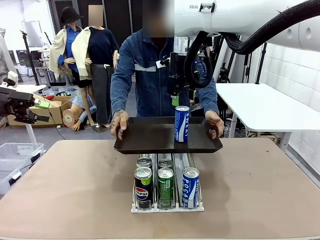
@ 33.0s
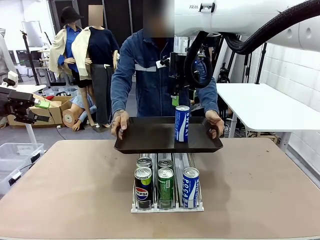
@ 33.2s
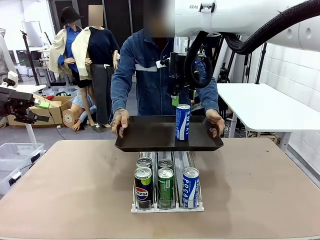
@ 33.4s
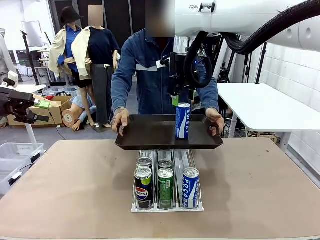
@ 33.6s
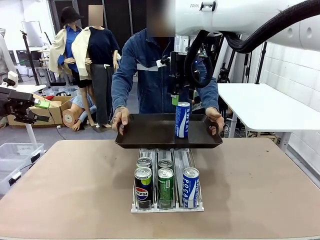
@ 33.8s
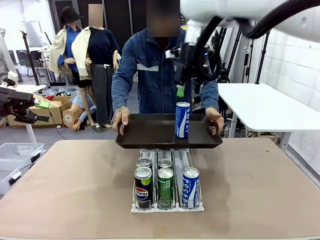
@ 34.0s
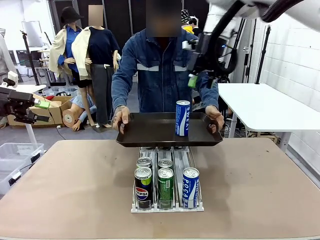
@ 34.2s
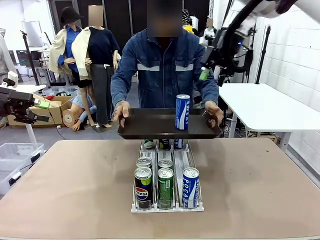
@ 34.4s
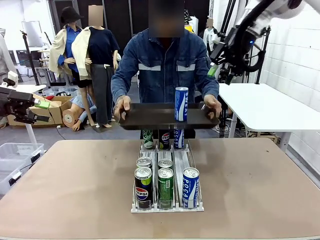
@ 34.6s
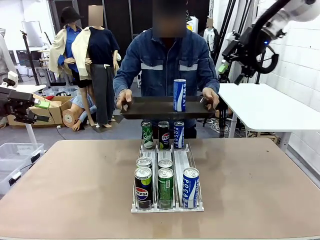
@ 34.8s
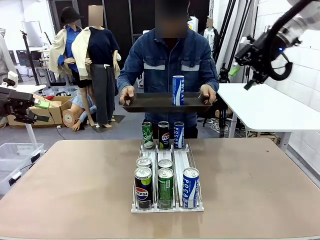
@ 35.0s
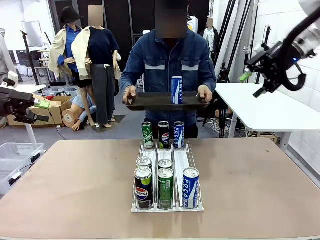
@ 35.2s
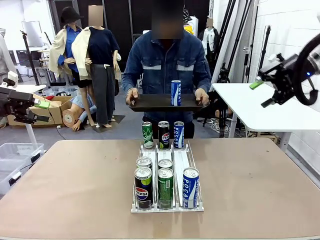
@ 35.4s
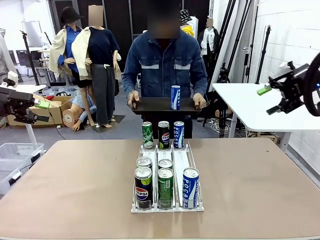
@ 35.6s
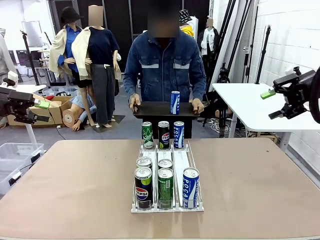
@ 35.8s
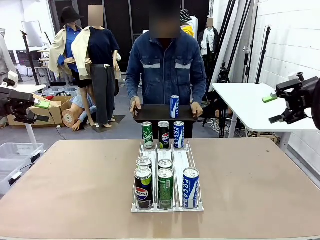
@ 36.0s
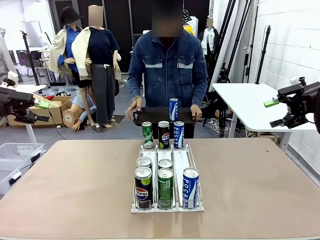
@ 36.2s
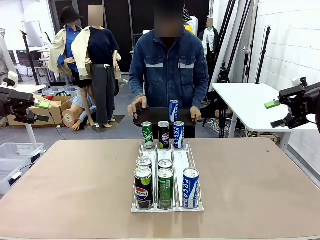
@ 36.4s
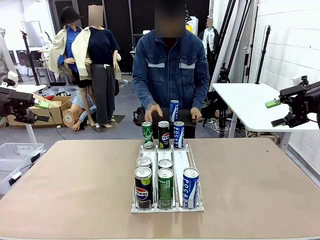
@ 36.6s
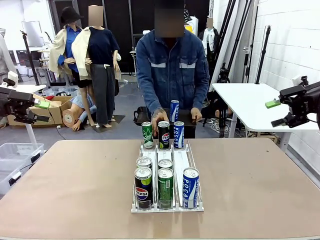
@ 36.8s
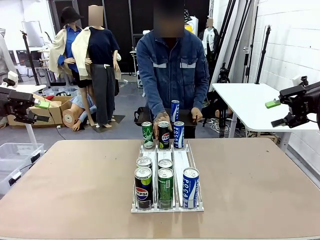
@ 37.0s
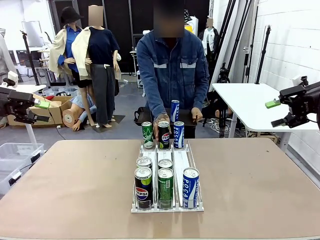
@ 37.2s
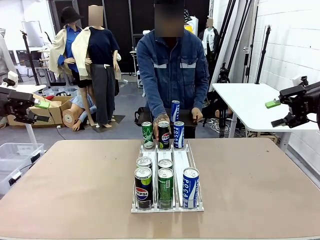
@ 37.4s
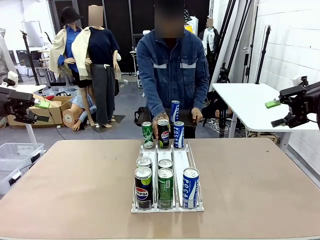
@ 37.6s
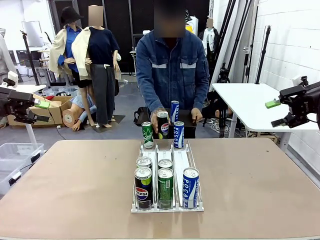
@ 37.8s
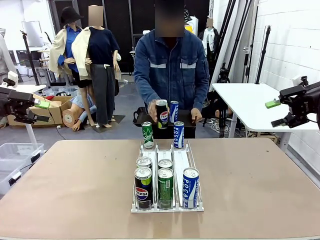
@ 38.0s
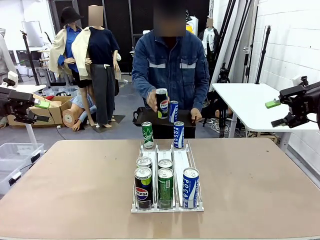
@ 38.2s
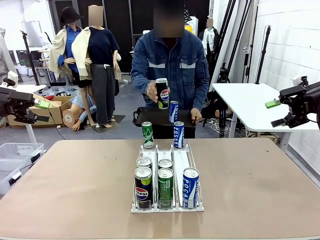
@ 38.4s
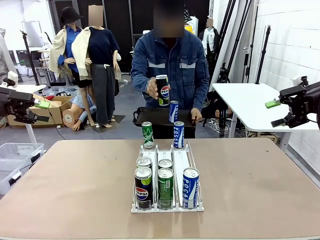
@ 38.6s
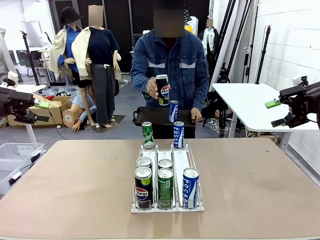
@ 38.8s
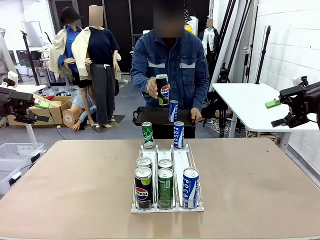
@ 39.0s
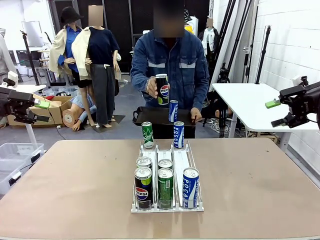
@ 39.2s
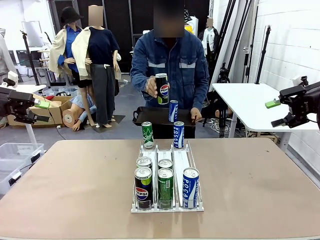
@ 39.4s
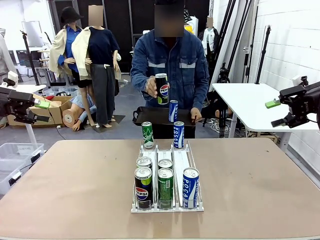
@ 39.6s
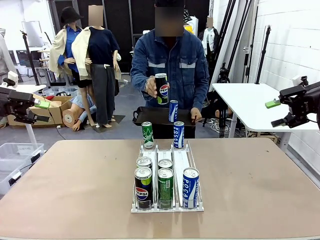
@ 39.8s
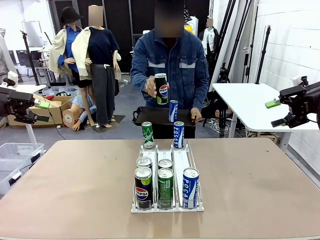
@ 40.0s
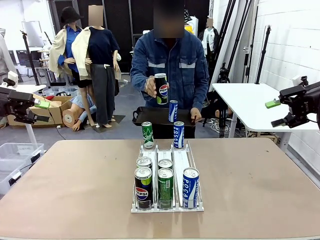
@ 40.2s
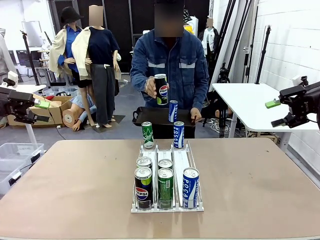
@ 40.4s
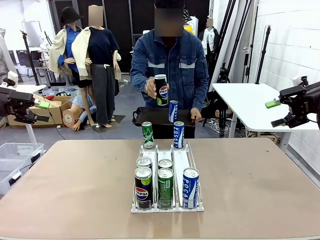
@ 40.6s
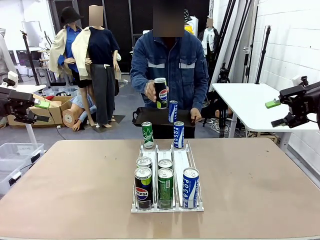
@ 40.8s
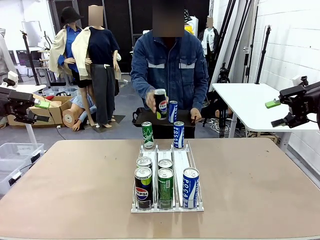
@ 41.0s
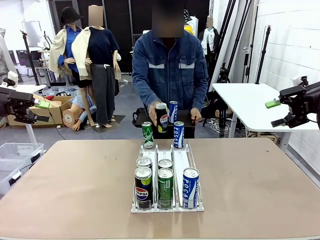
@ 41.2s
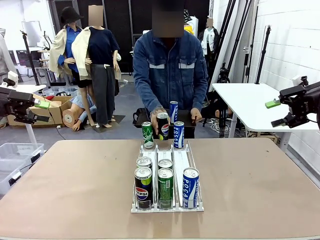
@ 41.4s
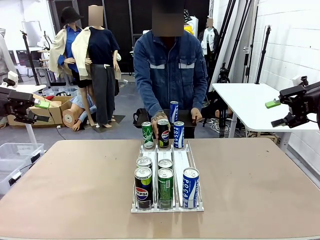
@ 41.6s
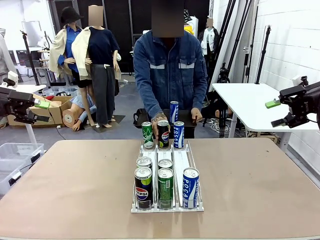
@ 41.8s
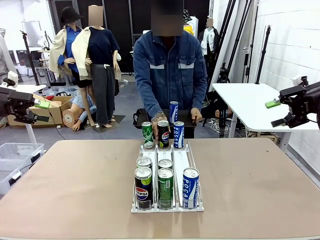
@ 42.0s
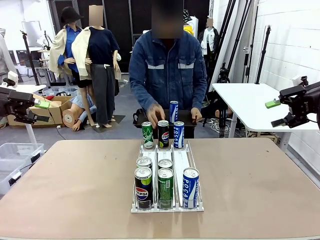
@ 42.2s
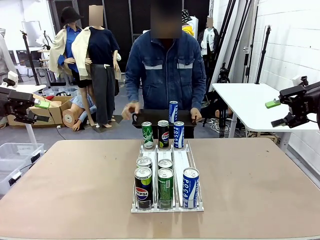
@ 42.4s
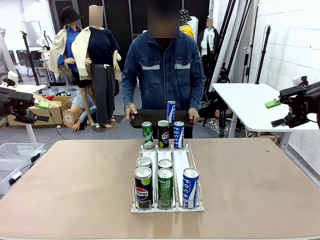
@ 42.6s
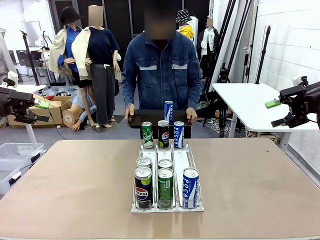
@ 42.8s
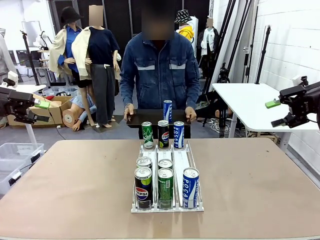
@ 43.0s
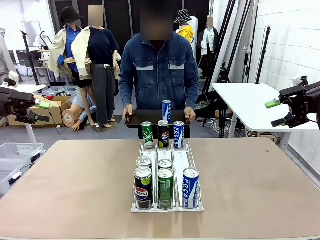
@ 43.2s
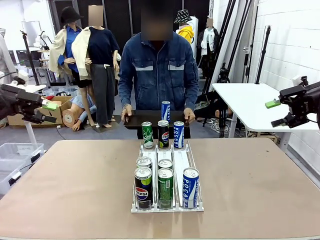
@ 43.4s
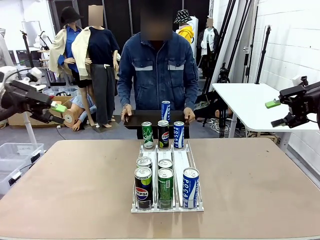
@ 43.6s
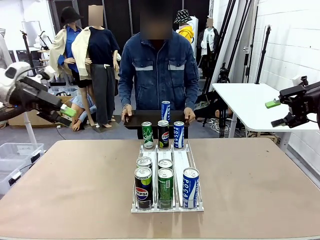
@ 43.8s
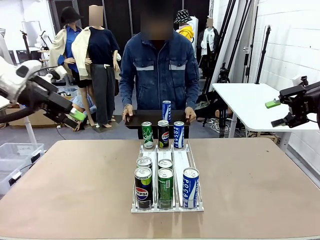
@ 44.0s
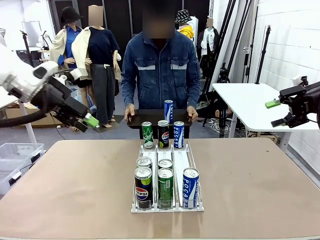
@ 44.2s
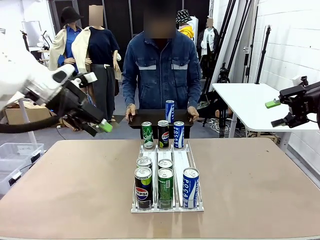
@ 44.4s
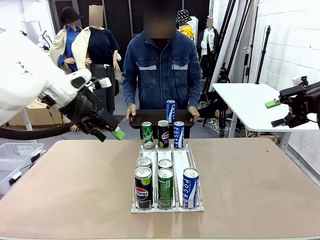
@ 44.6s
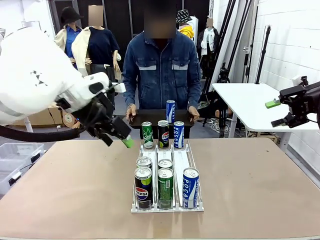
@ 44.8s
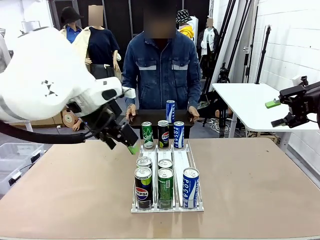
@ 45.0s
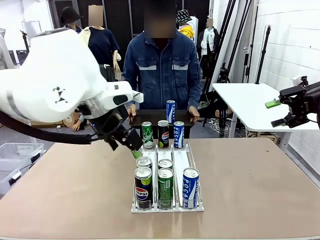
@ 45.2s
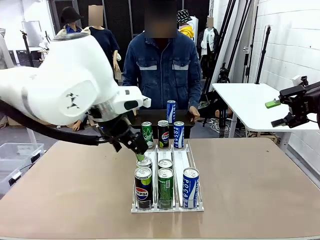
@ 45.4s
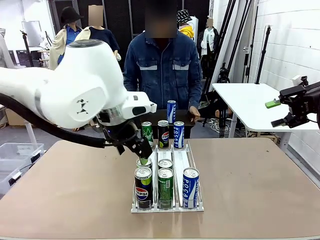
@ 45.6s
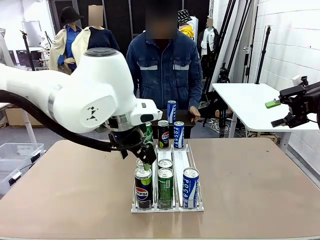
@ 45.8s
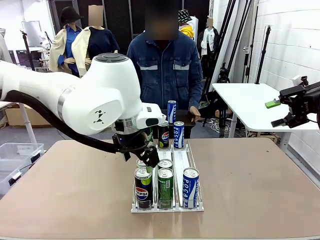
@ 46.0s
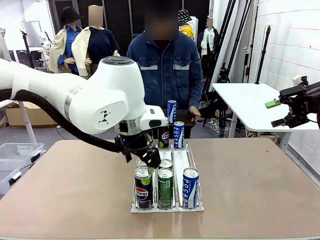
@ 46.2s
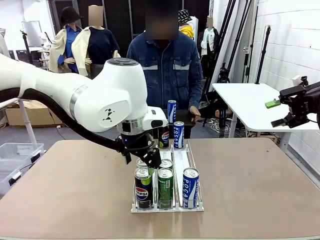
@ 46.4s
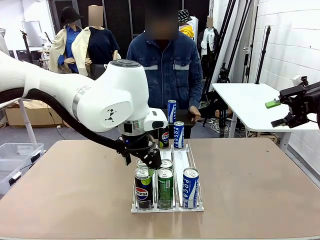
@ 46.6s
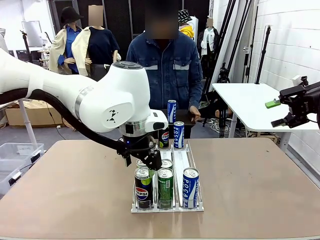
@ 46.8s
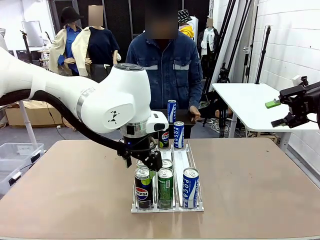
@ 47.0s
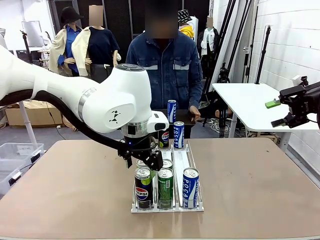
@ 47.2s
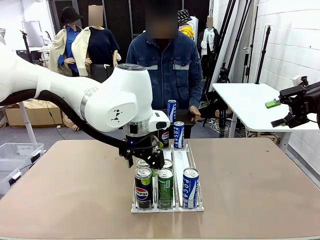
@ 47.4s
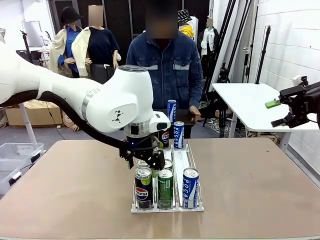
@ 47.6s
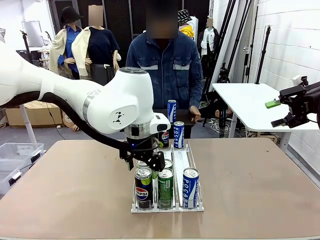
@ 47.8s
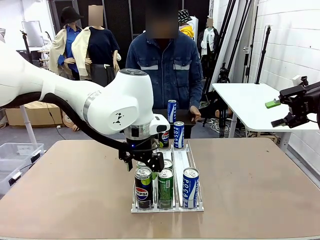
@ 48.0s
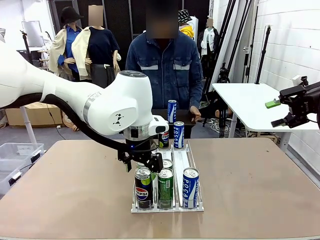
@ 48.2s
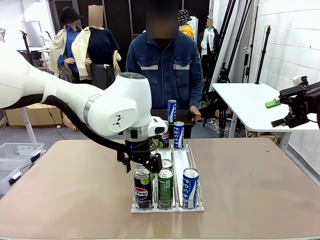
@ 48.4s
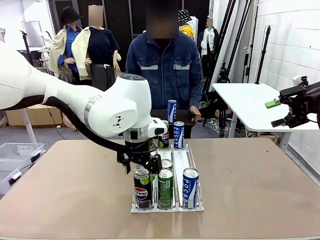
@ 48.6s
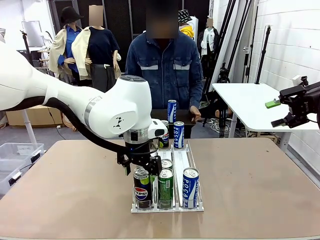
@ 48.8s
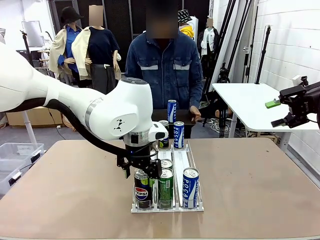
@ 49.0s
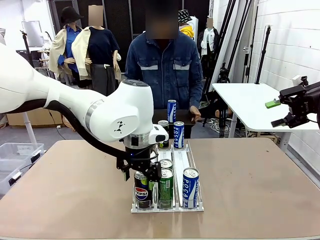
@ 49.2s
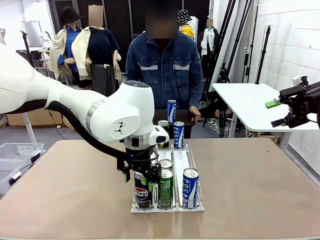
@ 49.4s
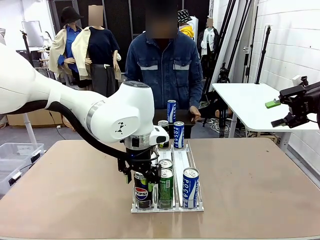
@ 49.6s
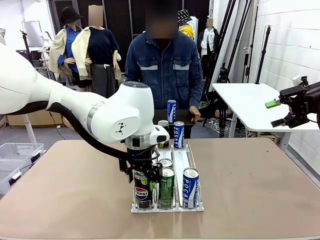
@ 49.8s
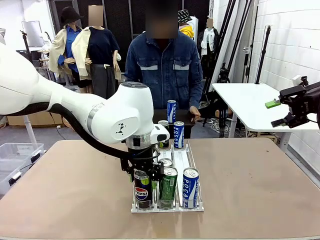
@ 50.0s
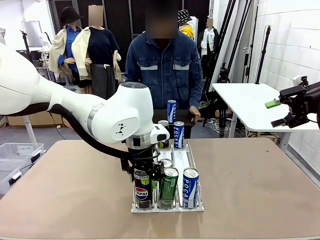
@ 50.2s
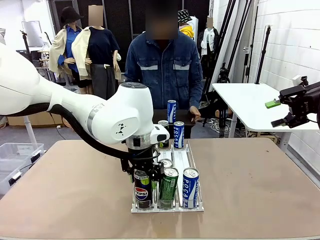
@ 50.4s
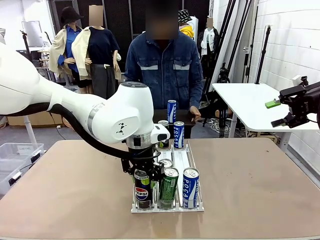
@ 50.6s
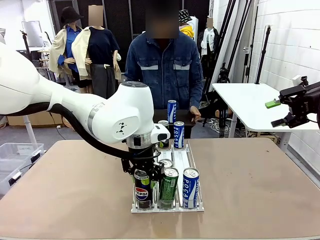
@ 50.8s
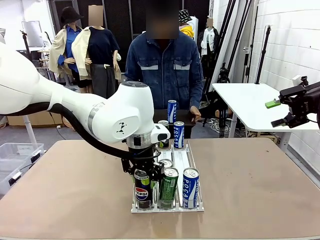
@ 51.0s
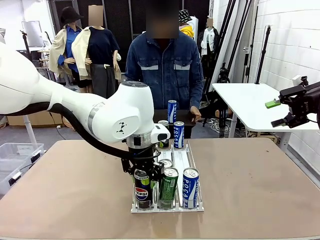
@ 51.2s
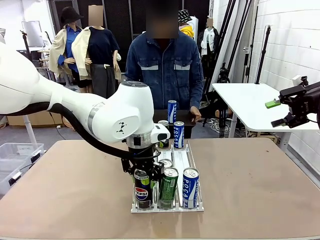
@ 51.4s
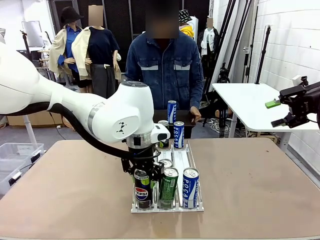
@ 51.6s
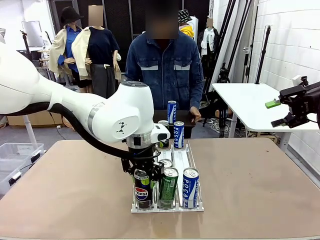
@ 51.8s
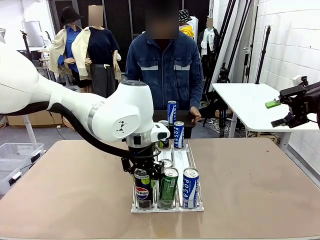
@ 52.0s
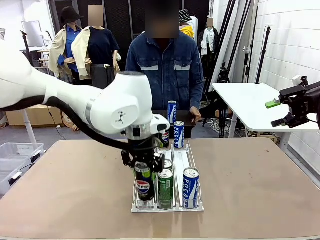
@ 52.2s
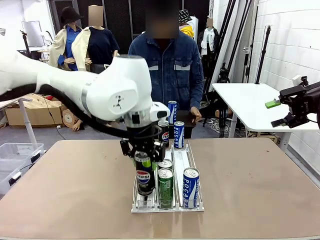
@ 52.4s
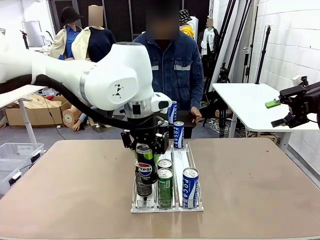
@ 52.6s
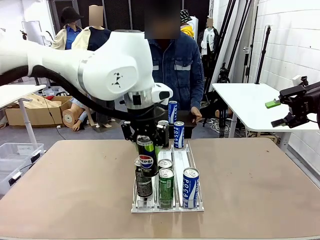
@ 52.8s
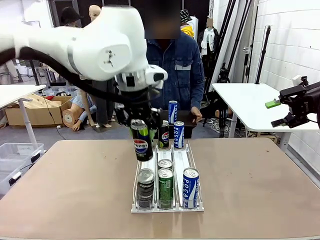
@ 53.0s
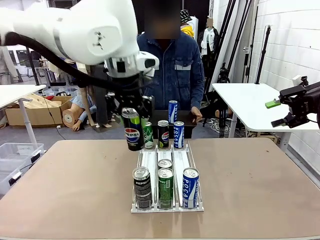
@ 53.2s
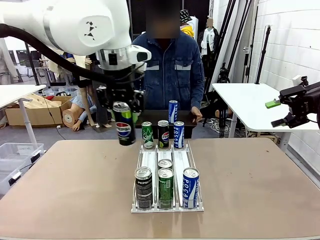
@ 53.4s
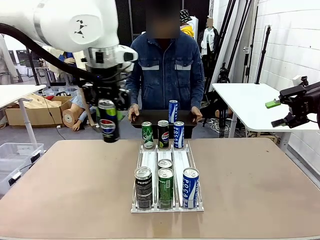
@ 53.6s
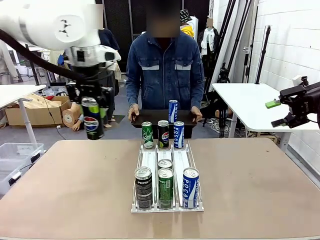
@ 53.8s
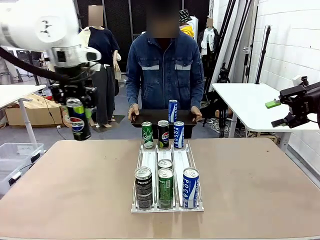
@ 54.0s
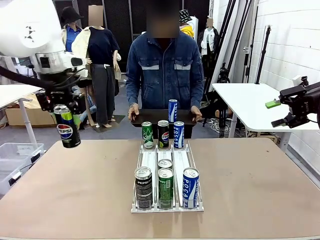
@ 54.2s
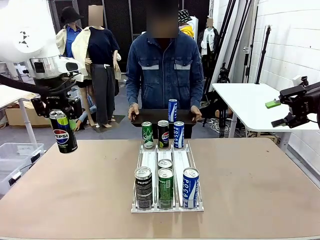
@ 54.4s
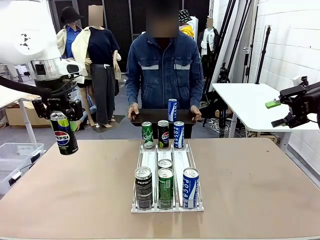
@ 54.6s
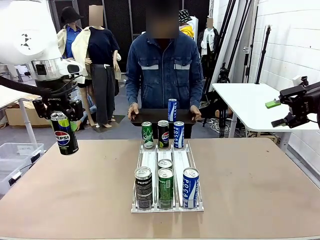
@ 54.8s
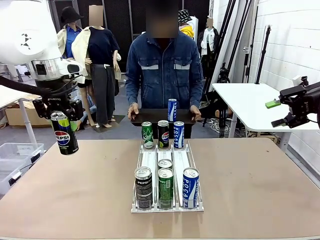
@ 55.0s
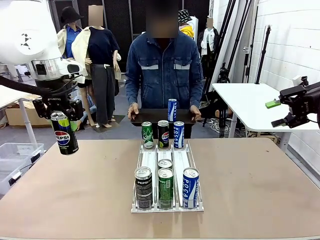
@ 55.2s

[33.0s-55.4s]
Task: Retrieve and hand over the desired beverage to the person.
Robot: Pick up another can of the same type that the person held from the Automatic Can Dispenser.
Person: Pull the tray back, then pick up another can from the bottom area of the table and puts it back in its original place. Push the tray toward the robot again.
